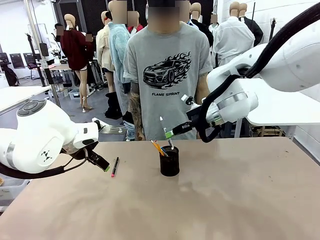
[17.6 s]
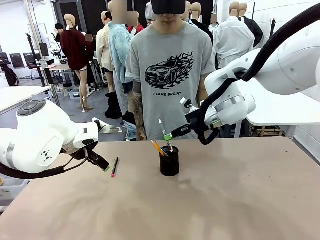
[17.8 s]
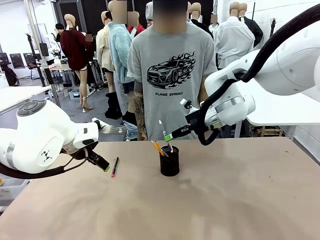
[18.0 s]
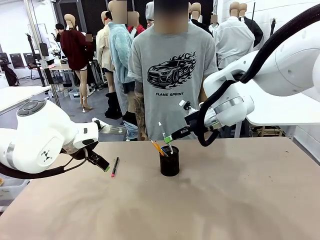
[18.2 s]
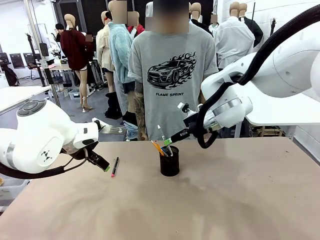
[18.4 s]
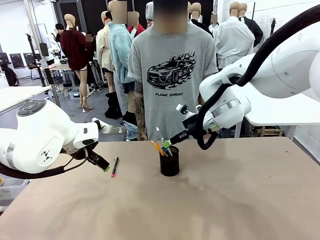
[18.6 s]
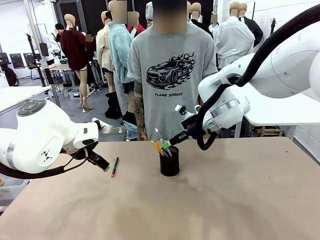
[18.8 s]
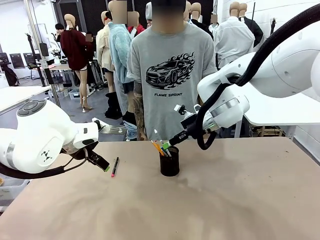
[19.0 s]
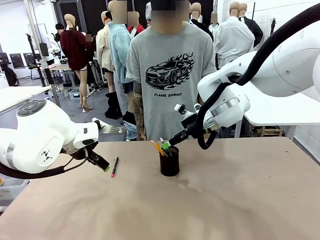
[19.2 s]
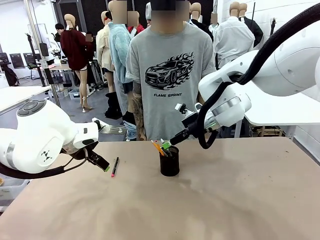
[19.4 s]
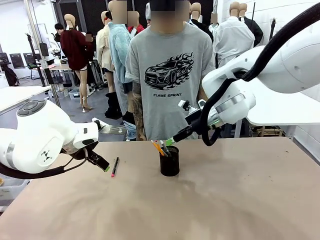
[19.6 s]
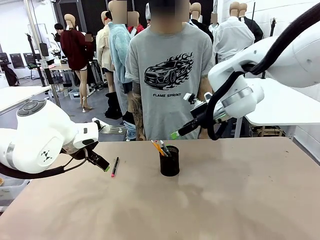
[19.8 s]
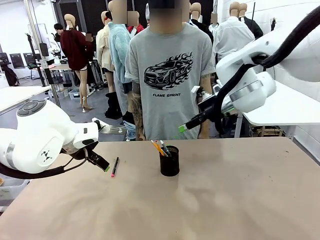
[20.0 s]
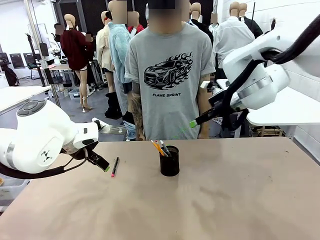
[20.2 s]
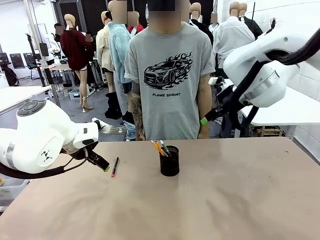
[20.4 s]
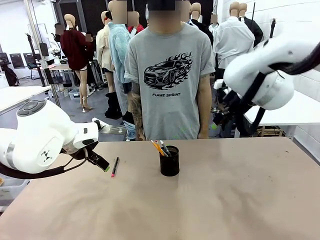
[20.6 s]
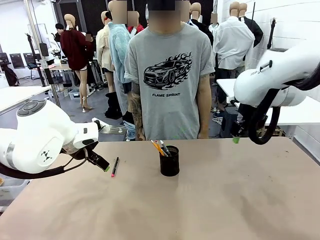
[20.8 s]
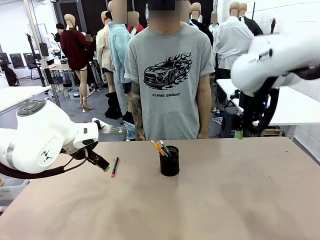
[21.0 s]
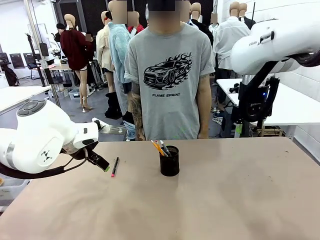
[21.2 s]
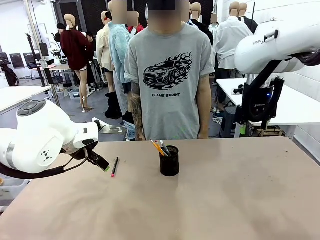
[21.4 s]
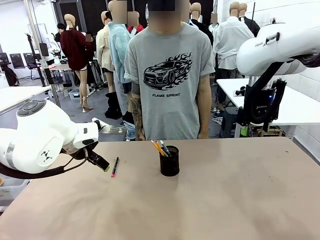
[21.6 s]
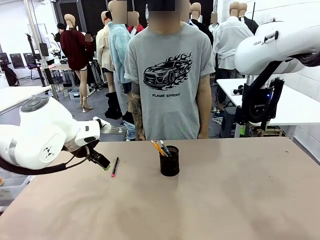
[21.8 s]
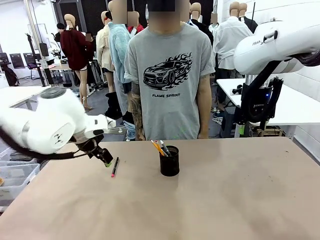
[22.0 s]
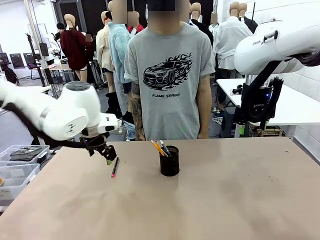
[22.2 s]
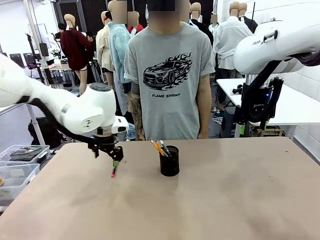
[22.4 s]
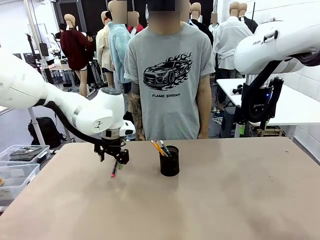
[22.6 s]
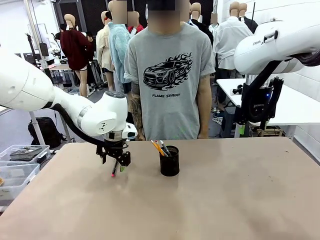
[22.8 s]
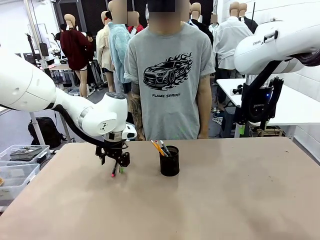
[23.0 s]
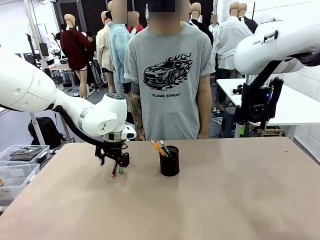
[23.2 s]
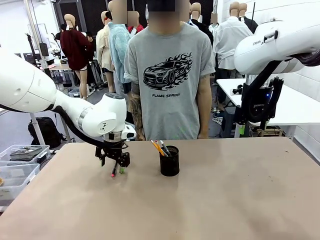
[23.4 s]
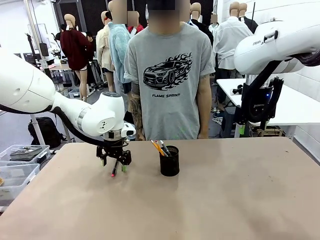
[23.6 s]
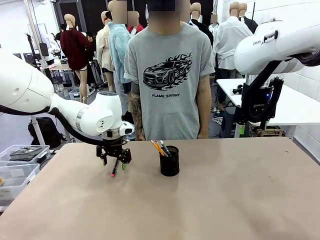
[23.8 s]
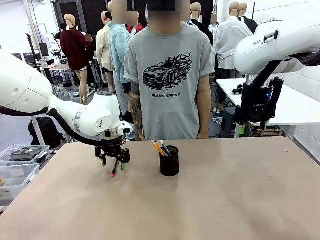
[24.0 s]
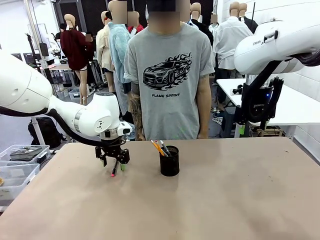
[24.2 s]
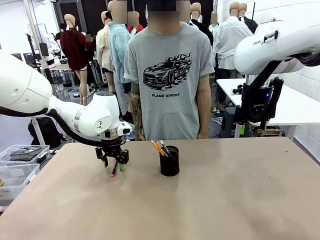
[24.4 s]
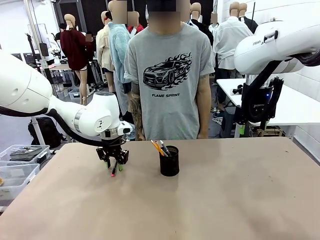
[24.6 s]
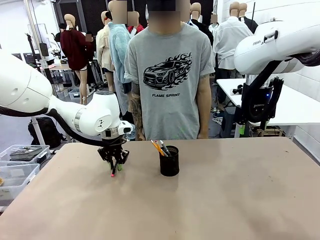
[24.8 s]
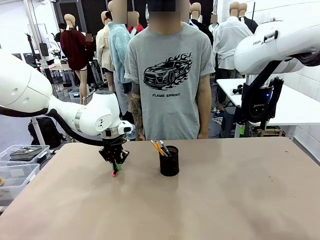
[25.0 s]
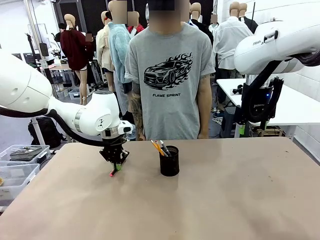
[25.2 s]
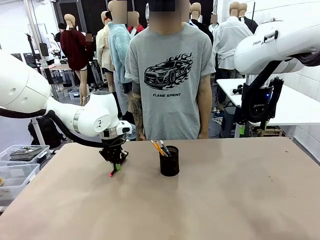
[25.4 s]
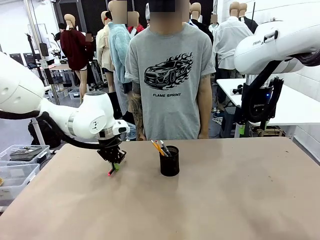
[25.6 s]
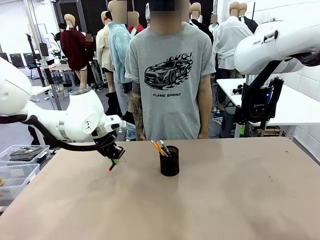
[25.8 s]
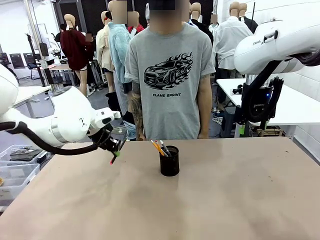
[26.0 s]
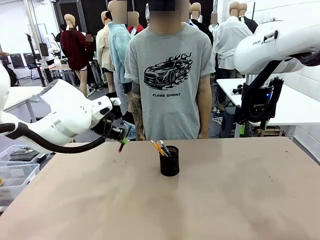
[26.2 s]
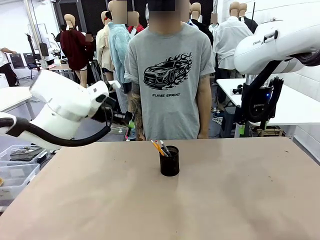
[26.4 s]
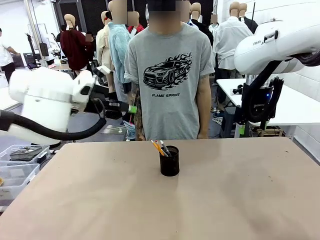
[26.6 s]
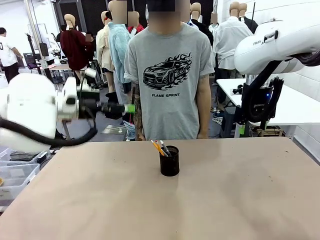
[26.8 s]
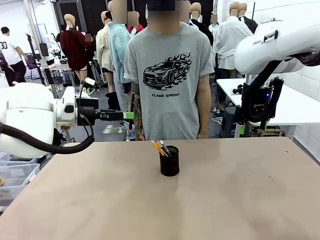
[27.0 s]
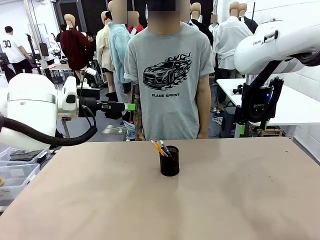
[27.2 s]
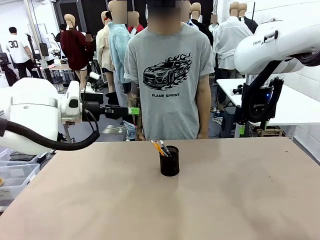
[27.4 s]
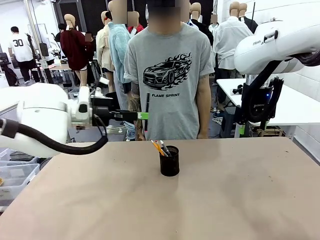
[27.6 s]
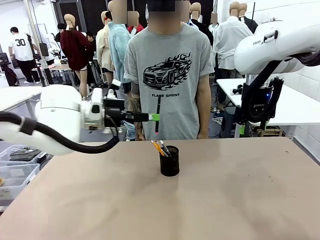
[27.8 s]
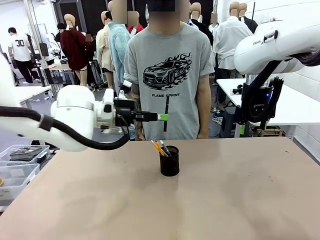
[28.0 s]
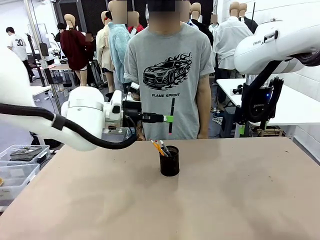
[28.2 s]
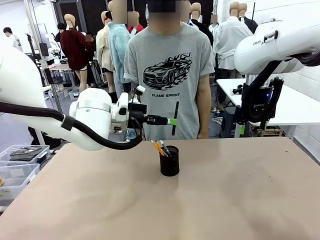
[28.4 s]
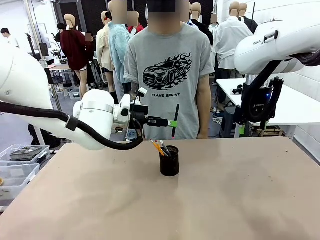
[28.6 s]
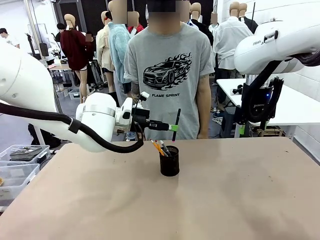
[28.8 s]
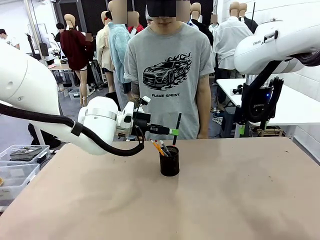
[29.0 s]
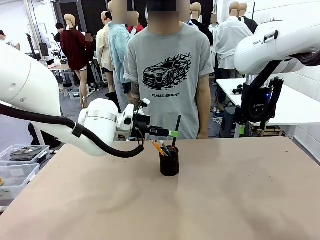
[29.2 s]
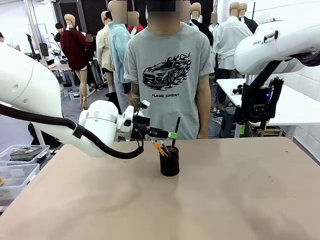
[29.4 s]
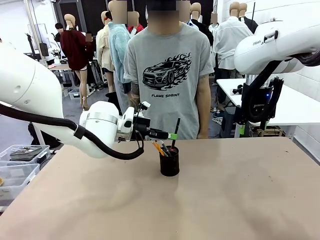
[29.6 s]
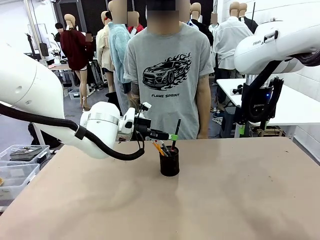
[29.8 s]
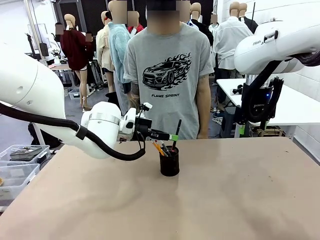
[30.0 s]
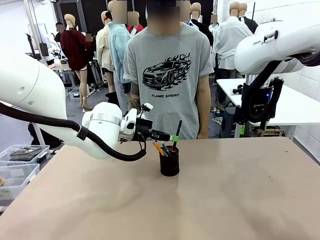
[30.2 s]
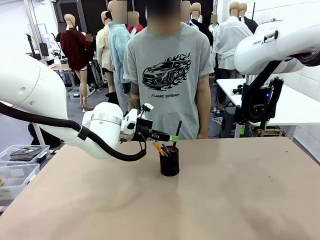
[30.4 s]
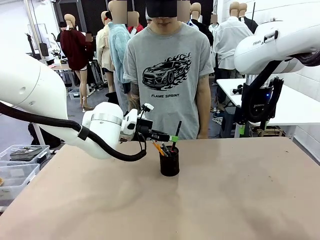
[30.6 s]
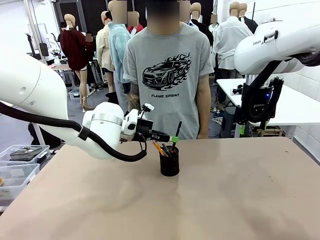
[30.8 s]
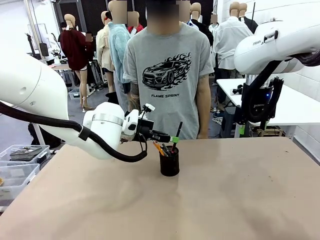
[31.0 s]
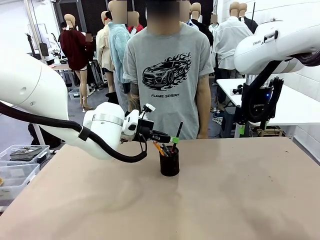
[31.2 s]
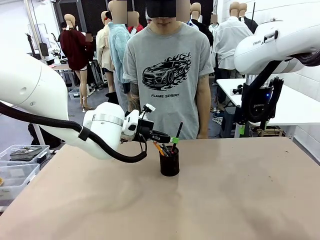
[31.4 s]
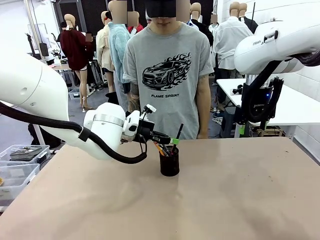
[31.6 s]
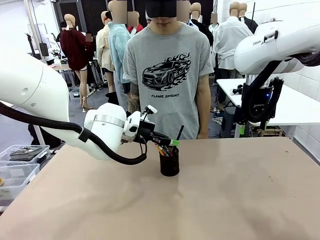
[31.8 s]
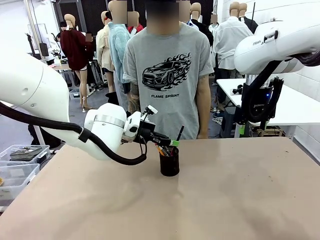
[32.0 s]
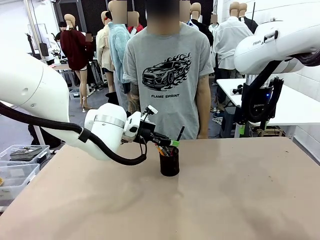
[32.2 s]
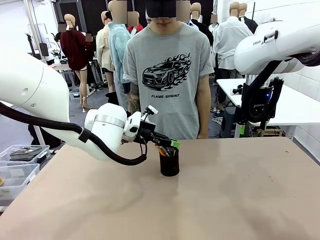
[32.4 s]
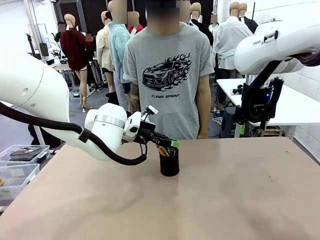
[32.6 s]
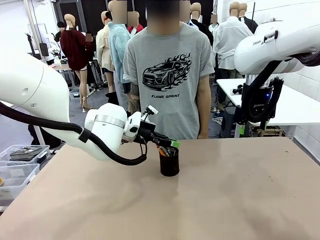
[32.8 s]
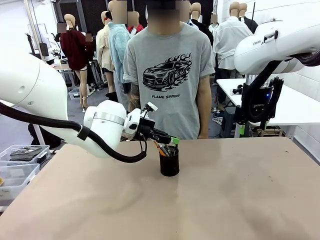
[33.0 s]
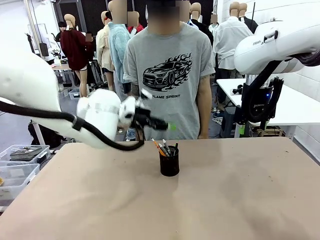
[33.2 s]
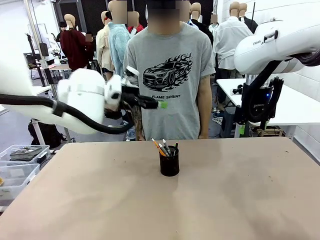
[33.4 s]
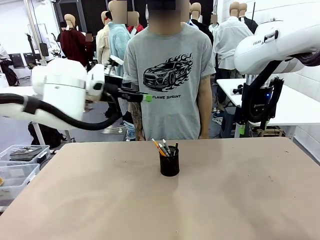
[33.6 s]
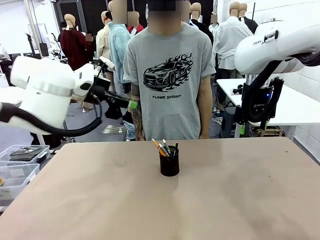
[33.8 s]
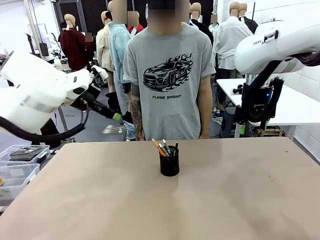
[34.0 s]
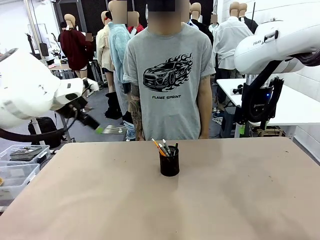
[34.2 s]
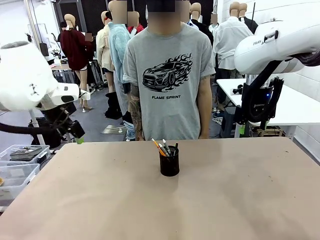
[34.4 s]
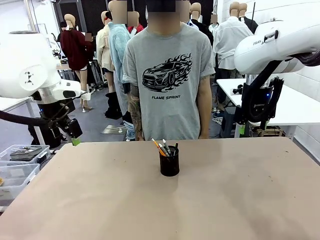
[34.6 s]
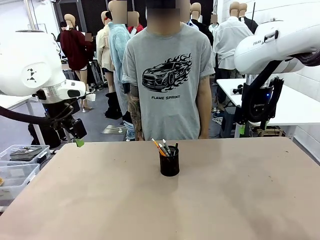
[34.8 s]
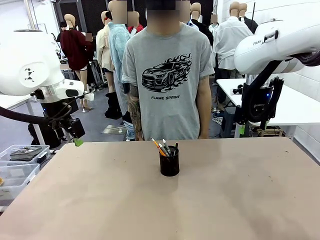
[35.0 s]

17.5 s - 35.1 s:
Task: Place the pens into the pen holder.
Robot: Pick up a writing instrument from the table and place it into the Pen holder.
Person: Place all writing instrument into the Pen holder.
